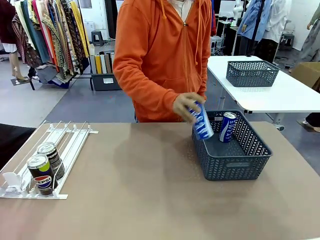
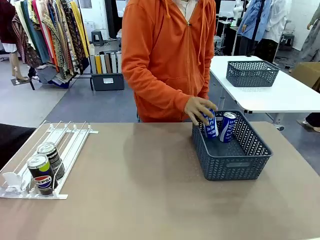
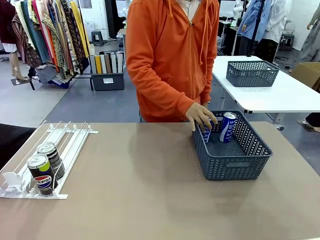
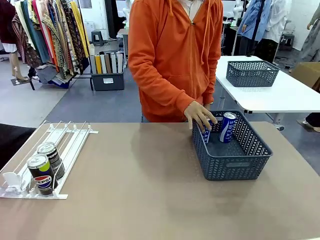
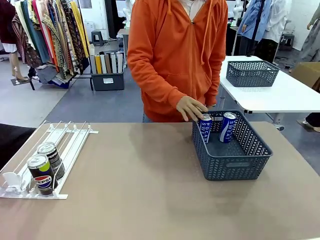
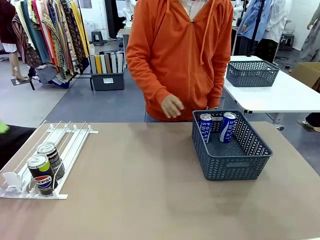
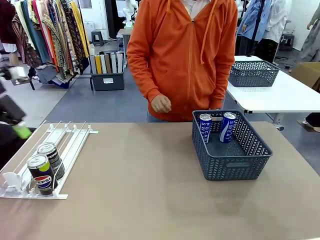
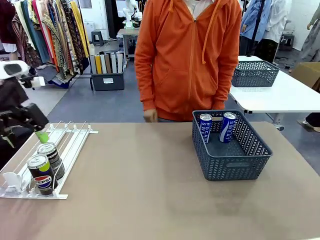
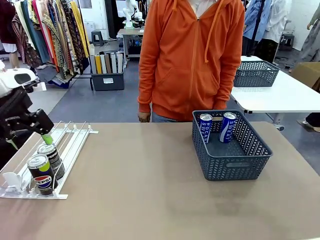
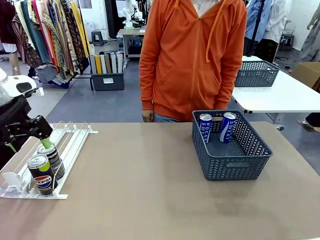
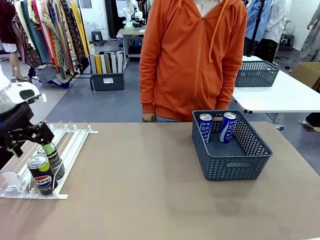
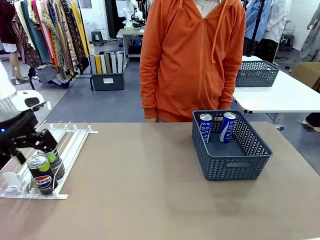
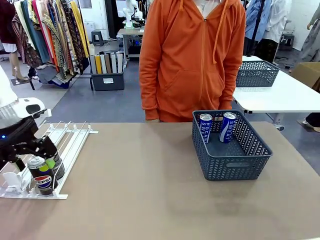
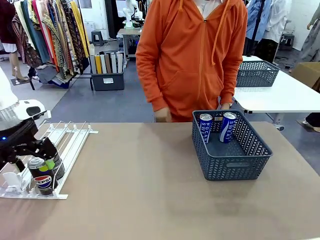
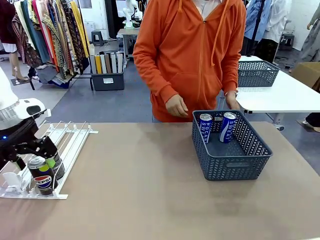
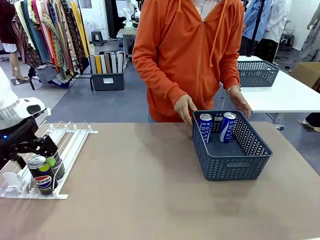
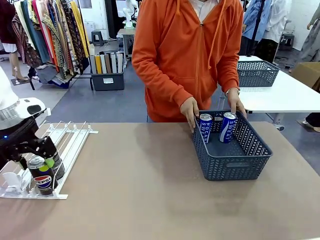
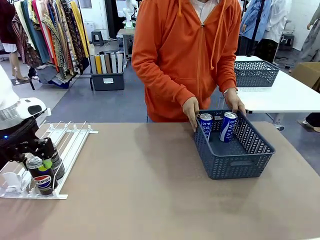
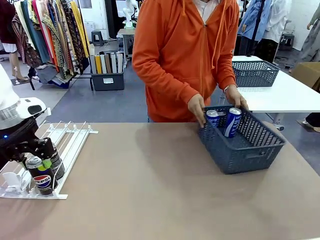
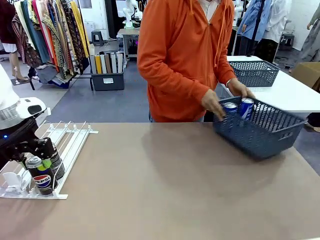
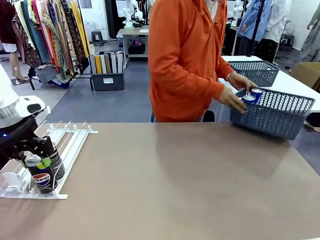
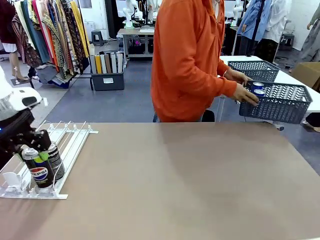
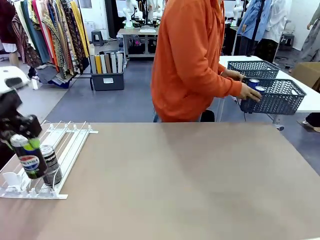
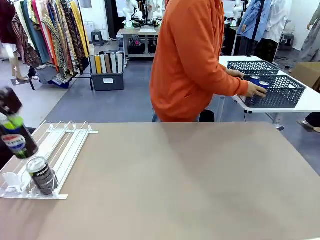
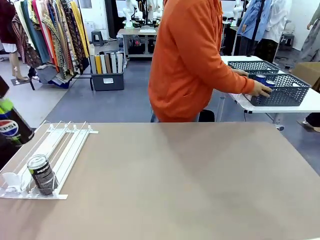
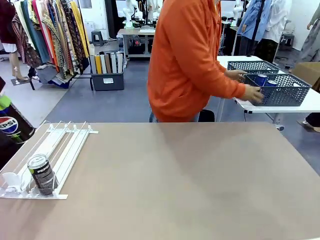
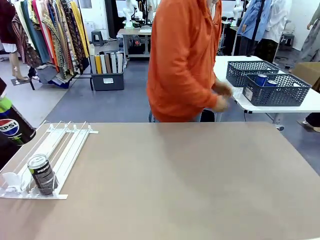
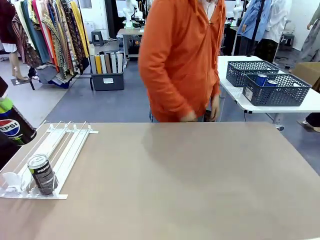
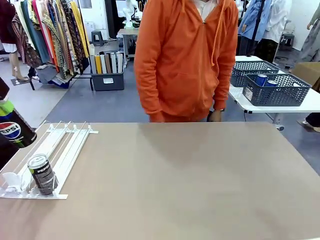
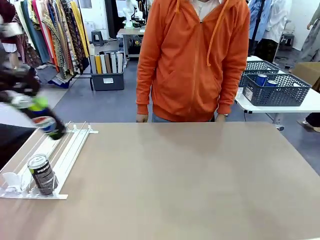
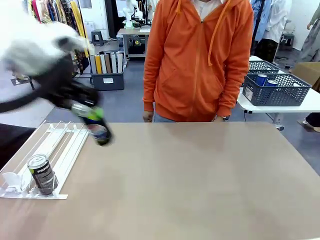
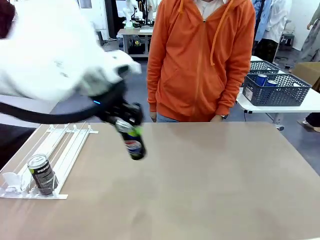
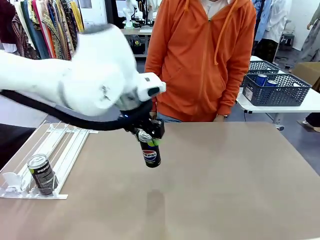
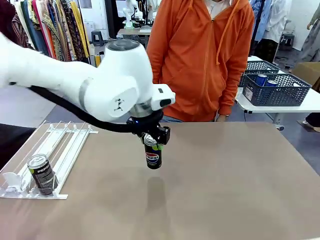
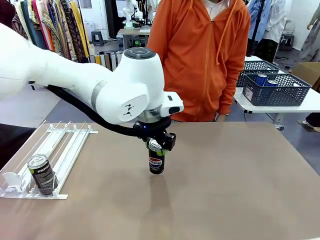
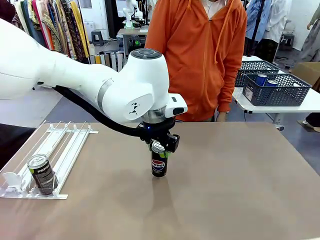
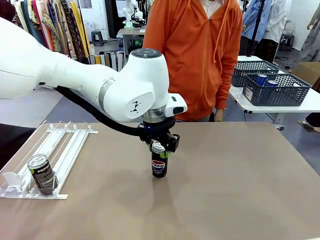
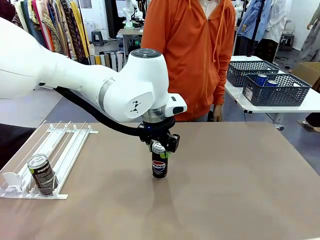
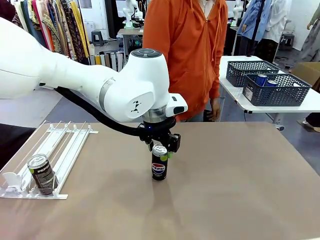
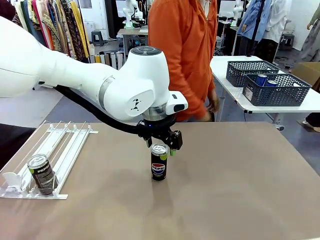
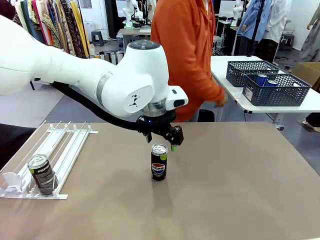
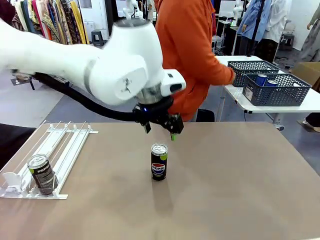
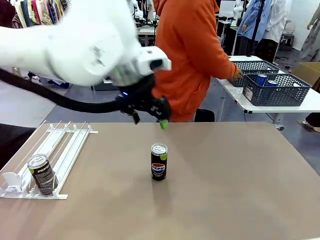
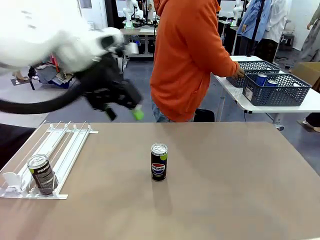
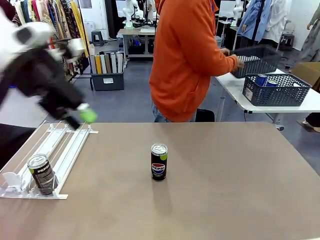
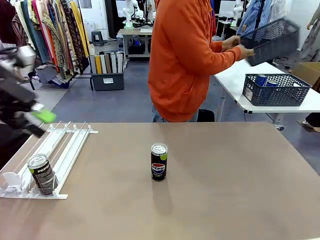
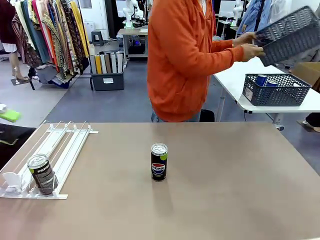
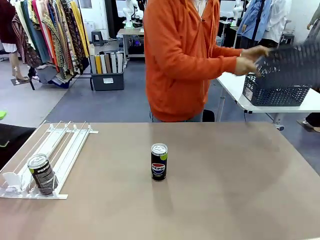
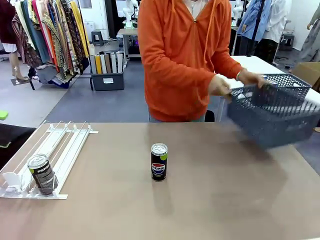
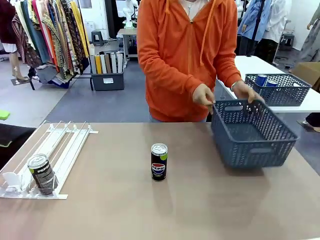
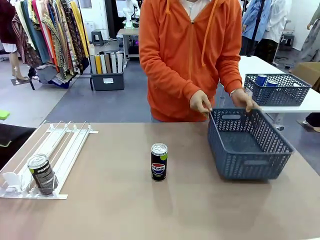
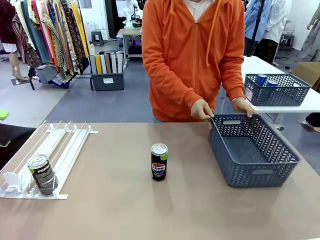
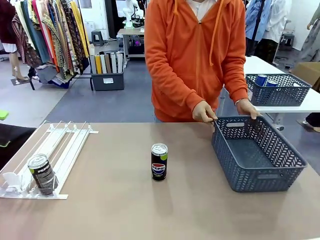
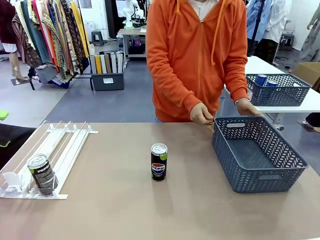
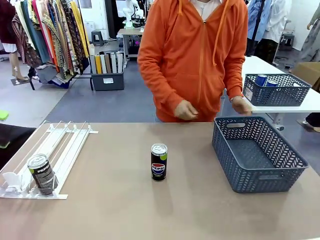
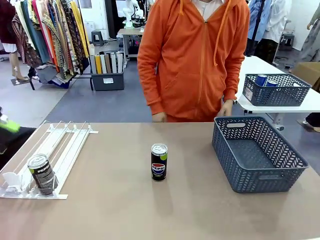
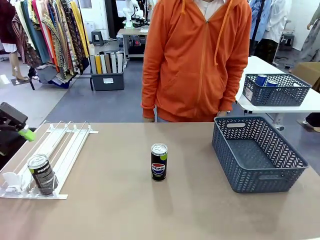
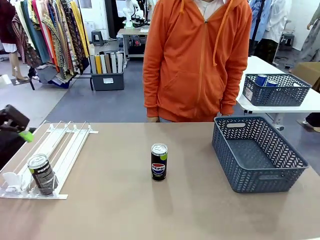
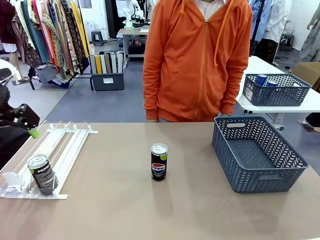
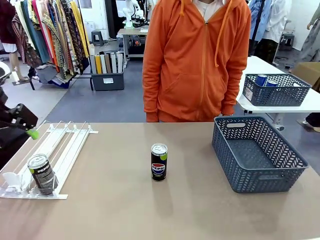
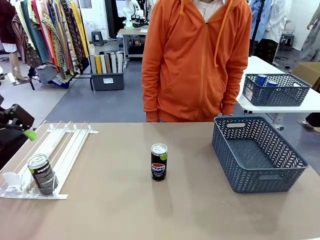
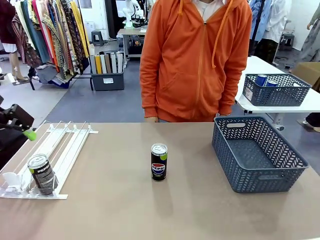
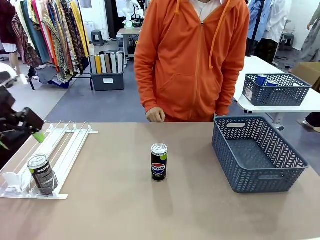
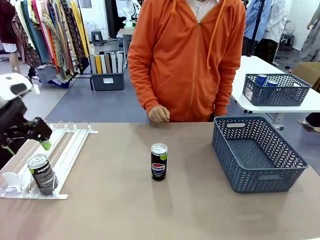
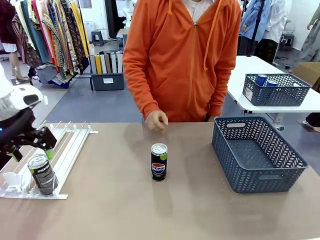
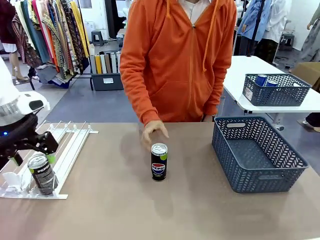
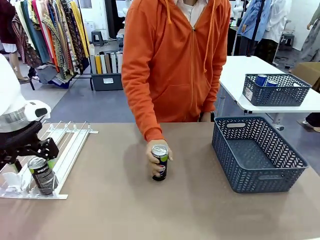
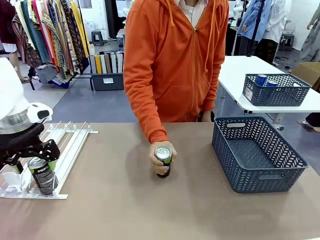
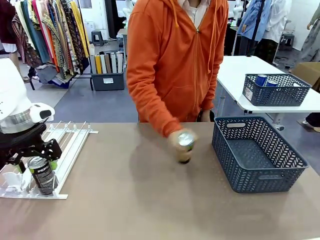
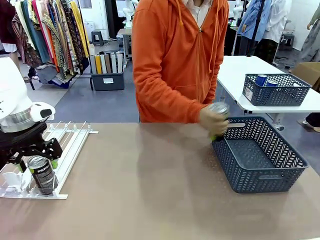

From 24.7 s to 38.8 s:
Task: Retrieve and store the cans from the dispenser.
Robot: Pick up one can from the Automatic Can Dispenser and place it in the middle of the table.
Person: Pick up the basket and place it in the middle of the human table. Pick up the empty basket and place it on the left side of the robot table.
